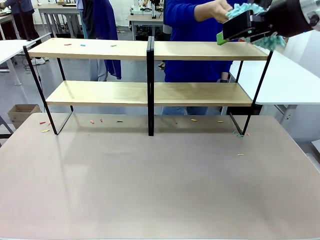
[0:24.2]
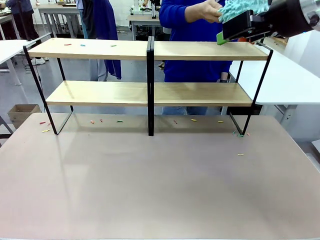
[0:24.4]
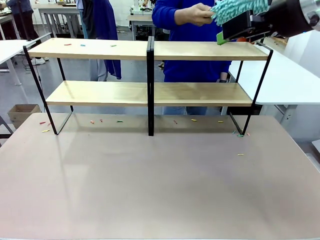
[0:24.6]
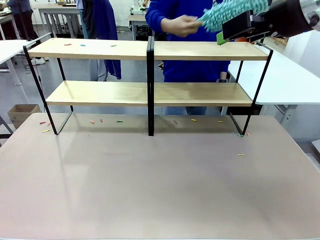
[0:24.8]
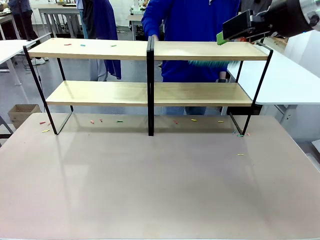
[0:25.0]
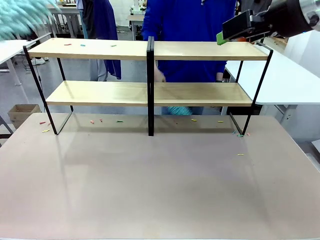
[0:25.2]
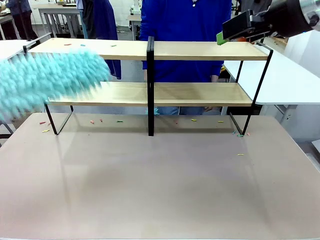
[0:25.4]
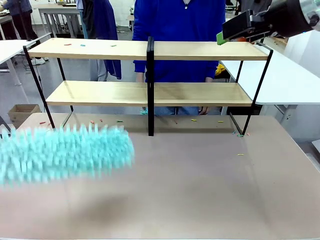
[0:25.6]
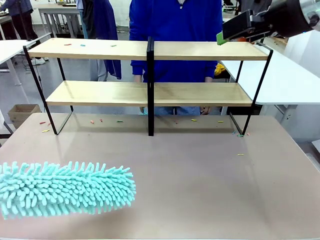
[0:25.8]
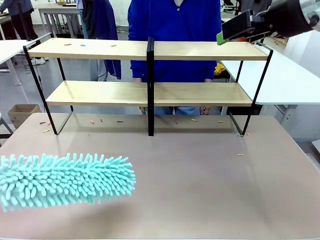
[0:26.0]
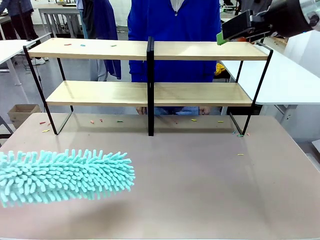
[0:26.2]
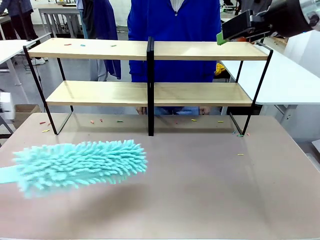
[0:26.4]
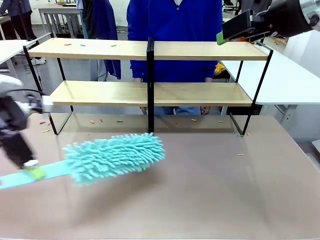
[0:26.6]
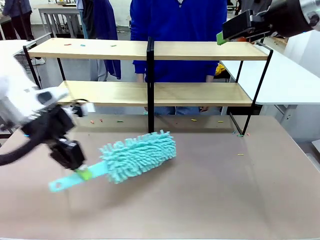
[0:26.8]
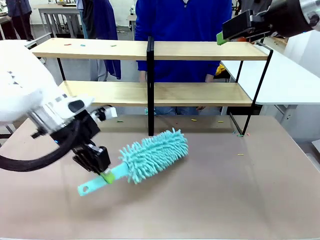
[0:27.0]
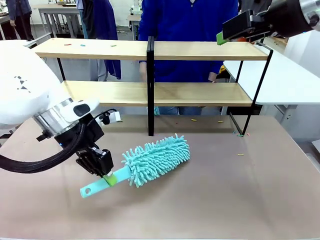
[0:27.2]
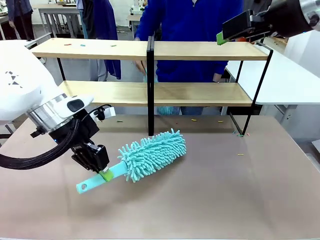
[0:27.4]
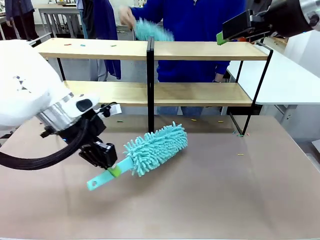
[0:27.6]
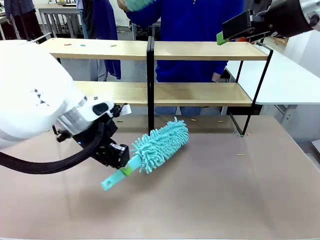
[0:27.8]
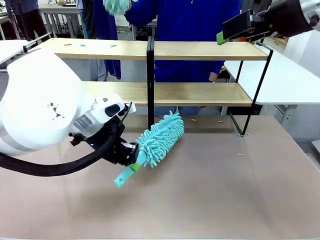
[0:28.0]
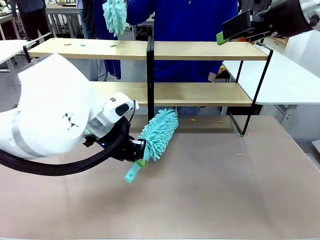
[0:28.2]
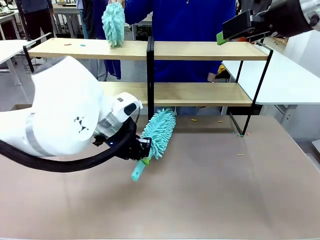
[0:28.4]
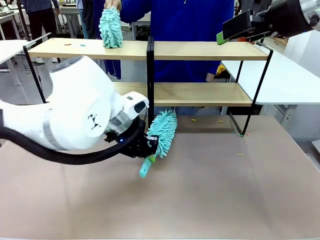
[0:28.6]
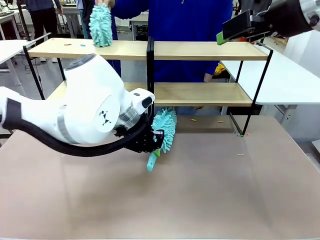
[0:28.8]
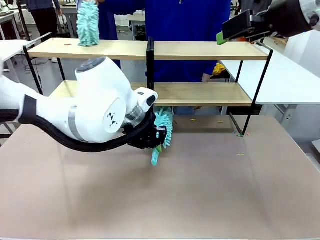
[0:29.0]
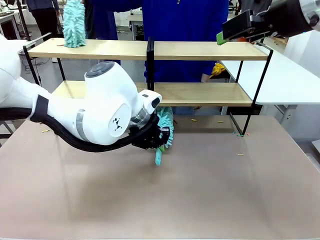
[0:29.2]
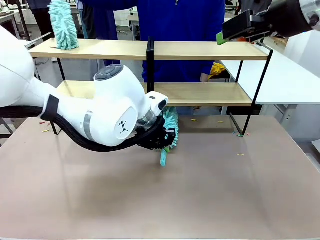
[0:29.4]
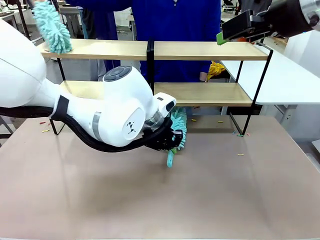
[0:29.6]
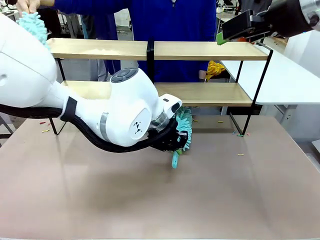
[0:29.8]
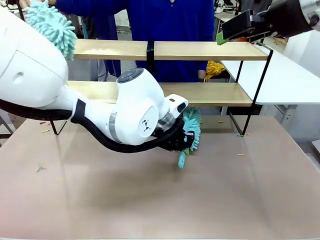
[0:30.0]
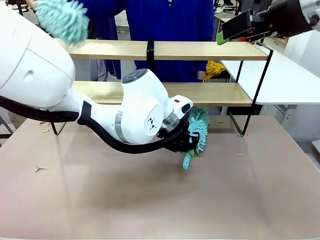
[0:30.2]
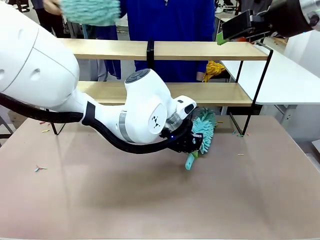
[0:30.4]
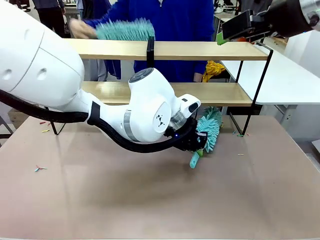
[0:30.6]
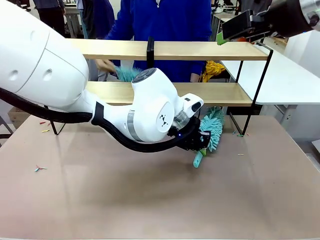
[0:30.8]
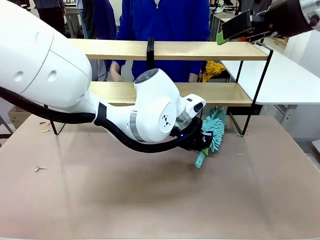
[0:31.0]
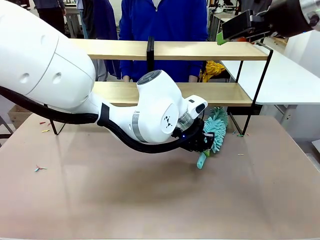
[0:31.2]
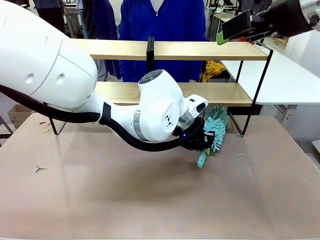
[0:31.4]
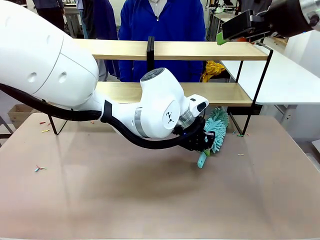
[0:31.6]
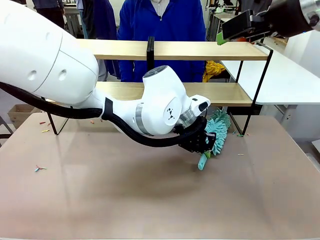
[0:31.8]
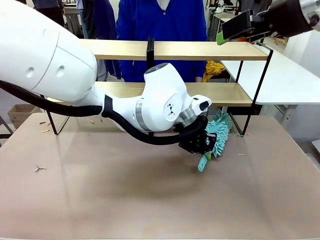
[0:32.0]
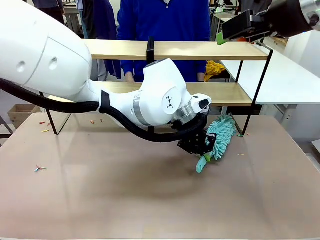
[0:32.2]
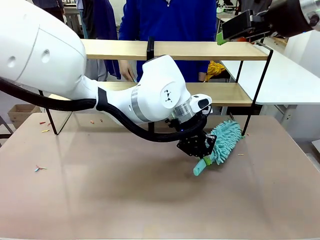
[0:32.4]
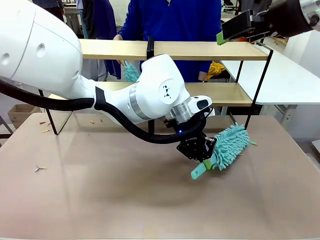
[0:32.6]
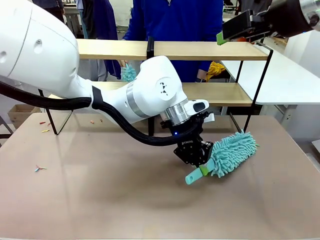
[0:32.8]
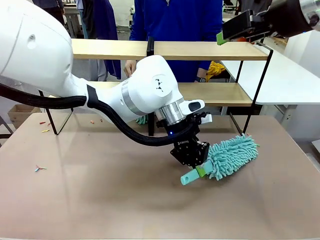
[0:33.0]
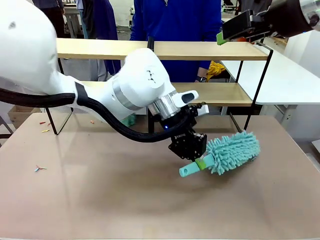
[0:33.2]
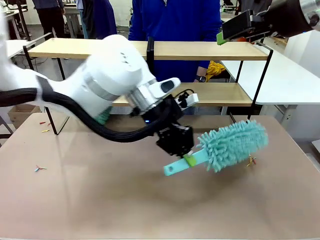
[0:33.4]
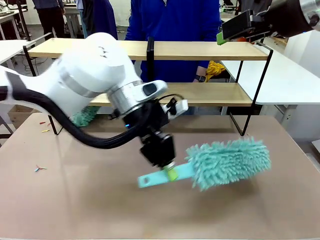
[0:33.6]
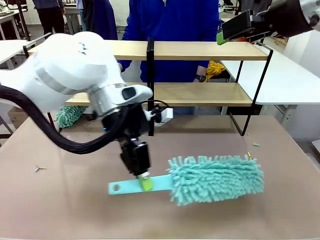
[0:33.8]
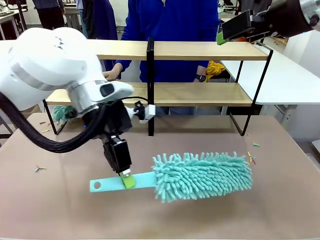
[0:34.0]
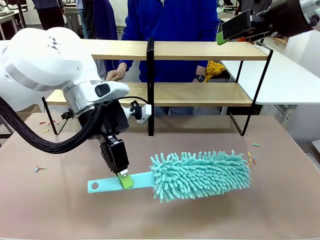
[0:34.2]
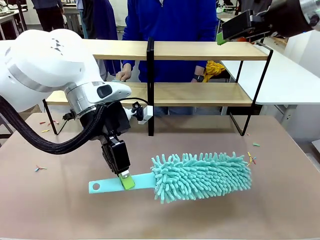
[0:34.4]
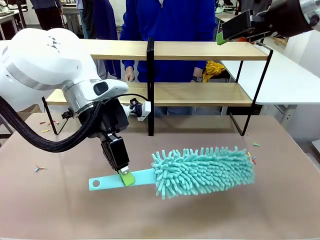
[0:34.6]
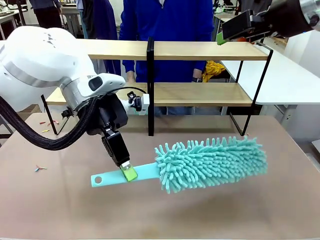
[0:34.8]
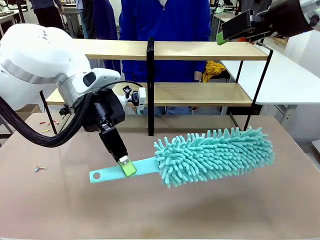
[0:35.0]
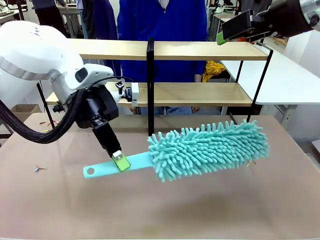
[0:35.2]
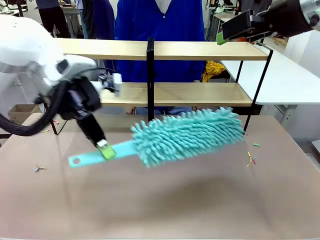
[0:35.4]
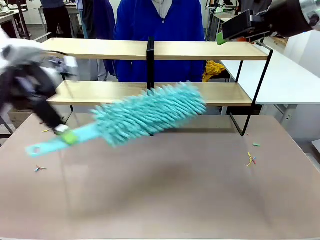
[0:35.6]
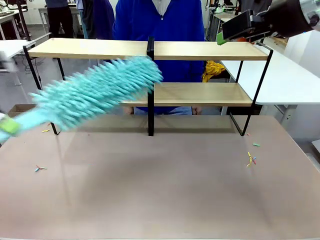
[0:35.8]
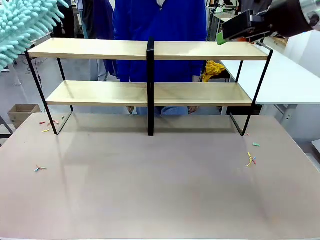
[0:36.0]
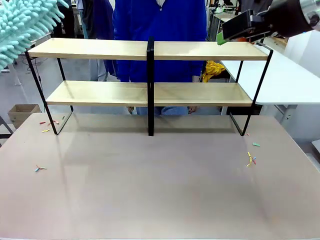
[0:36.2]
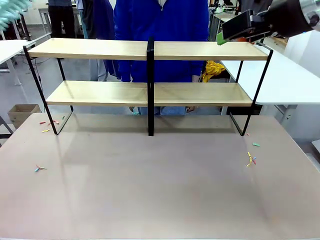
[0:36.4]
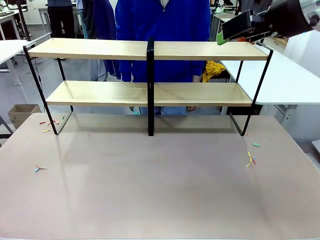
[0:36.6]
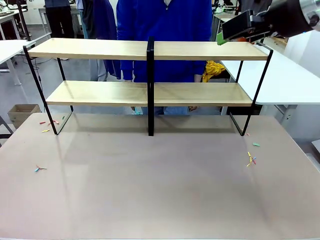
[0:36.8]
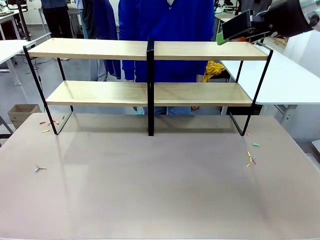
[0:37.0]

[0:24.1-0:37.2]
Task: Clean the shelves.
Robot: Clean another randomly selected level of the Shelf with the Duster.

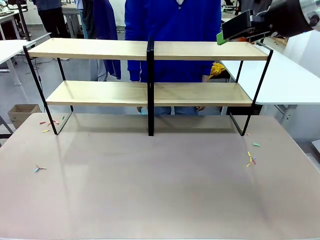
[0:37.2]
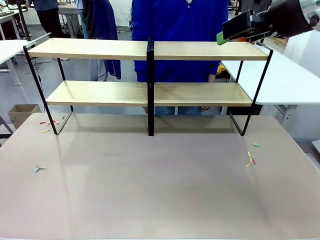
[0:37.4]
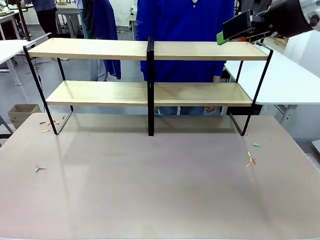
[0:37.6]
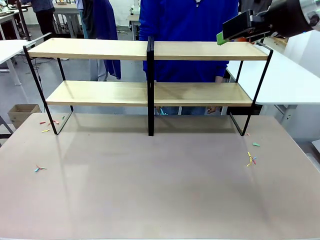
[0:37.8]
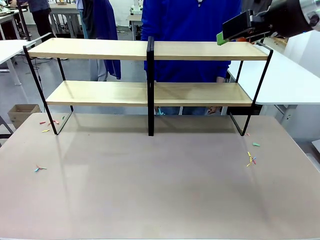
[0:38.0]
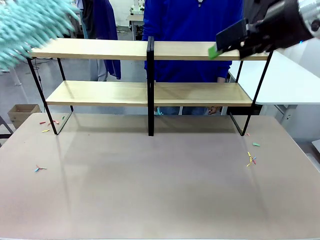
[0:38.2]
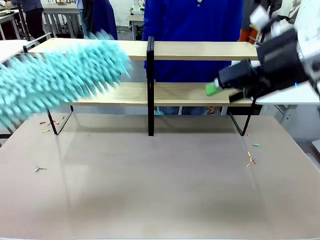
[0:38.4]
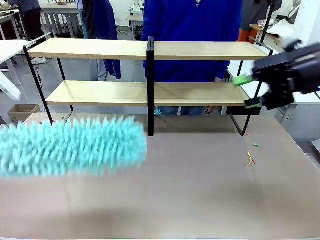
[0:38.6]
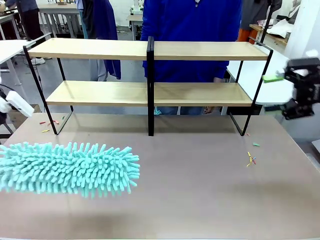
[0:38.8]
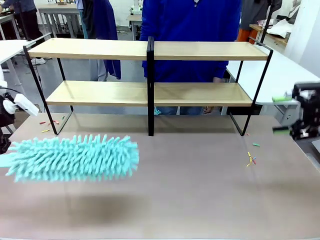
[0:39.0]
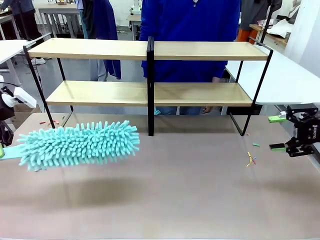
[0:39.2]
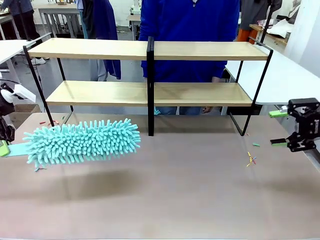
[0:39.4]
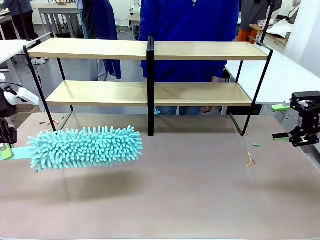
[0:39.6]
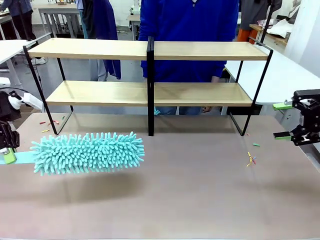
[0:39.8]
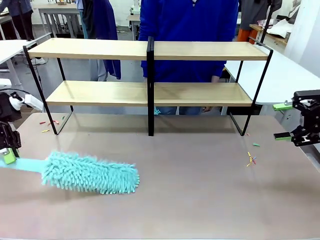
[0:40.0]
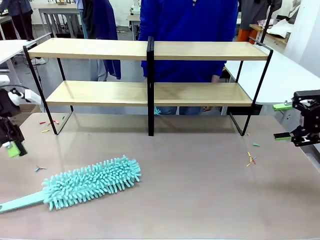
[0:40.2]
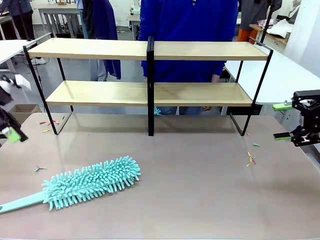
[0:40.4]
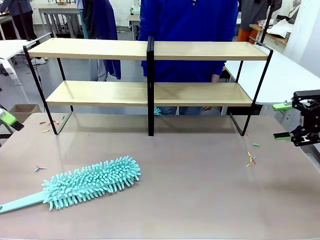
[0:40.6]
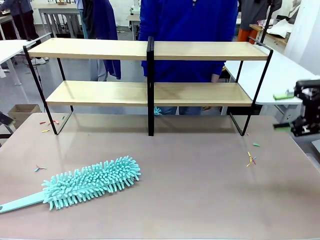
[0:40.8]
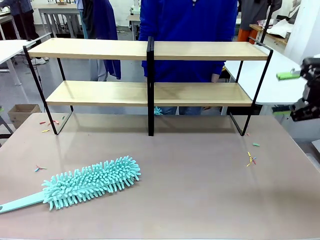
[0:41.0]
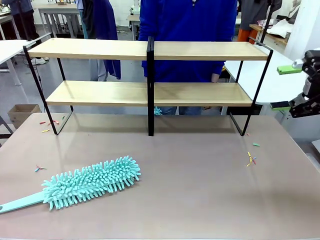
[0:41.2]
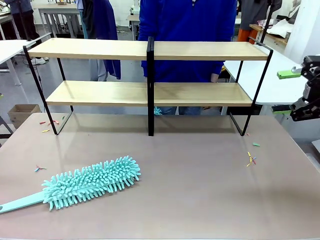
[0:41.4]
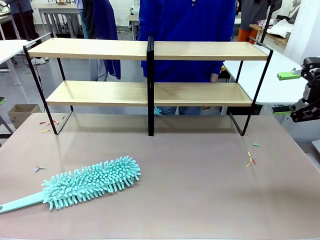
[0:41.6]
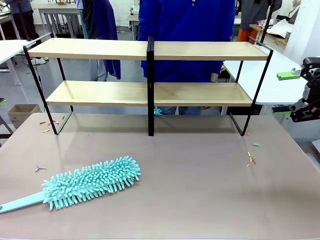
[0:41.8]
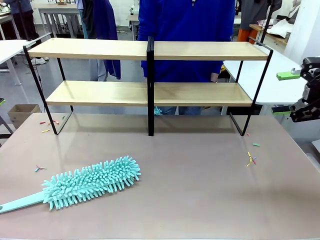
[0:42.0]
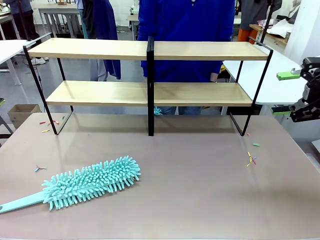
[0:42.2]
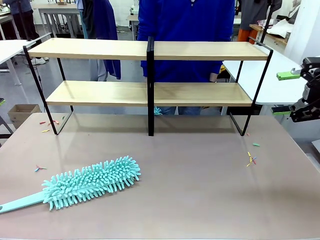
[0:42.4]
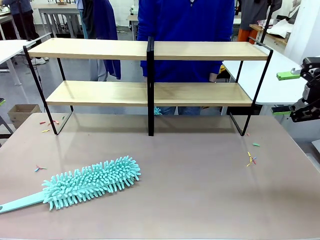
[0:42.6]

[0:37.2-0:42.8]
Robot: Place the Duster on the table.
